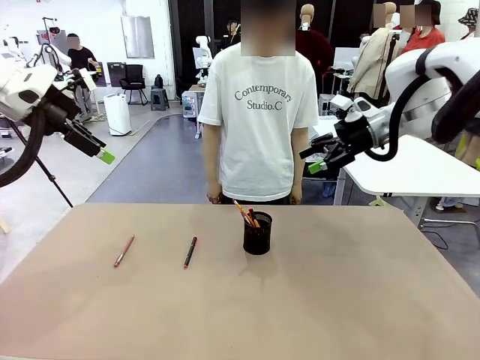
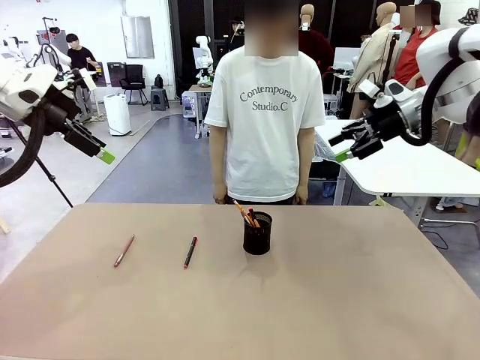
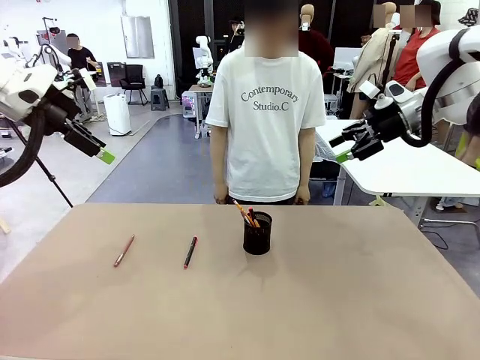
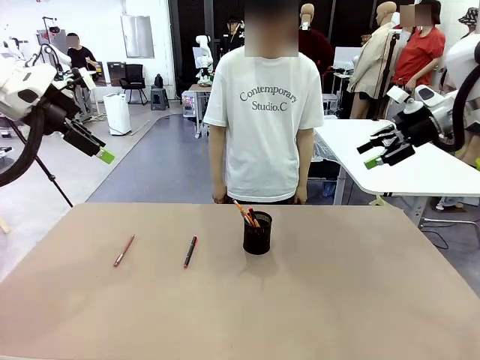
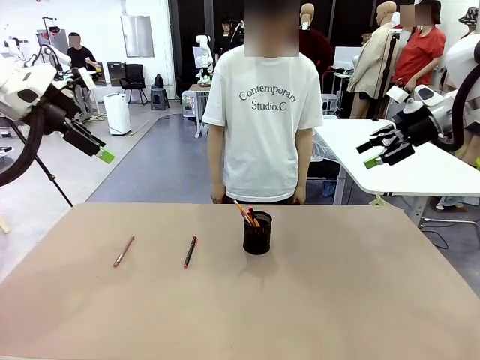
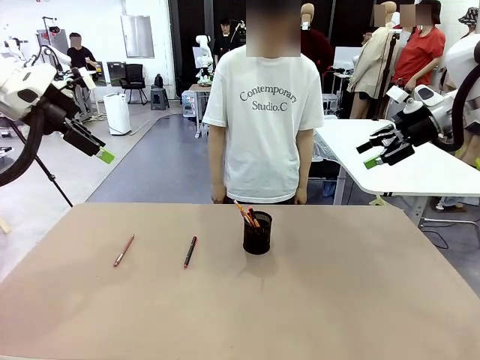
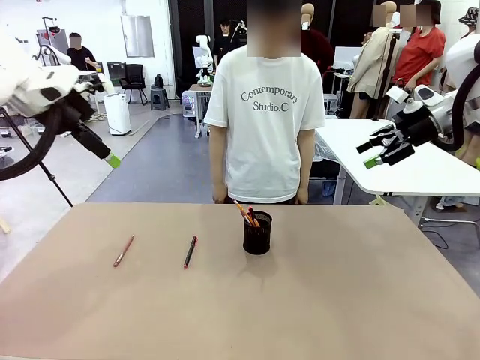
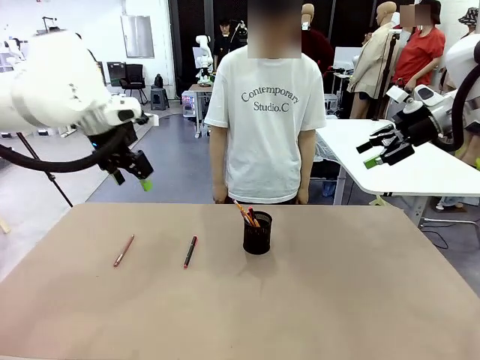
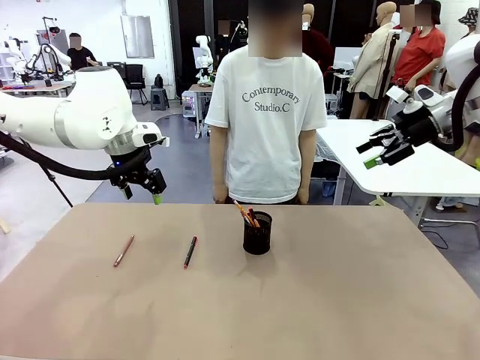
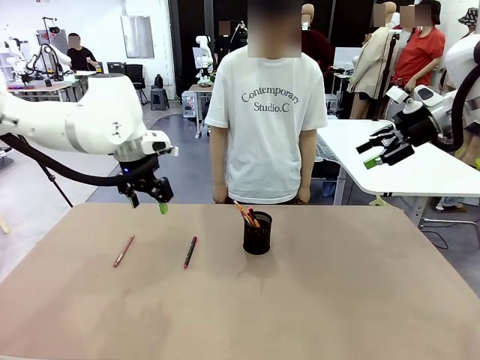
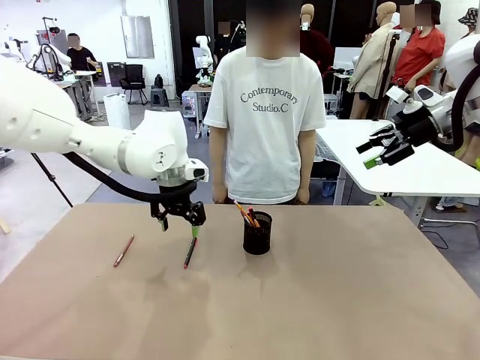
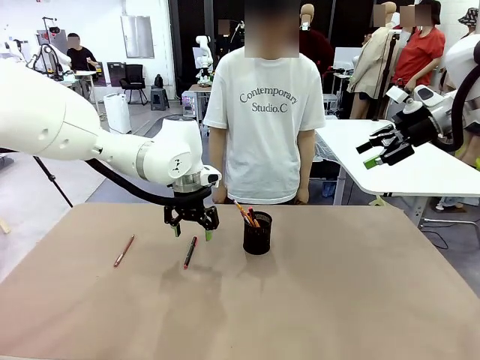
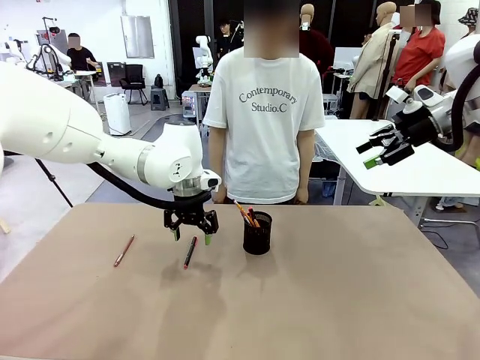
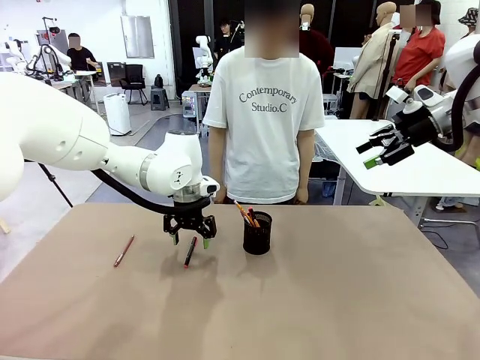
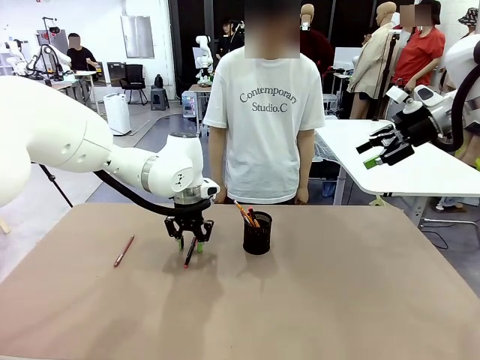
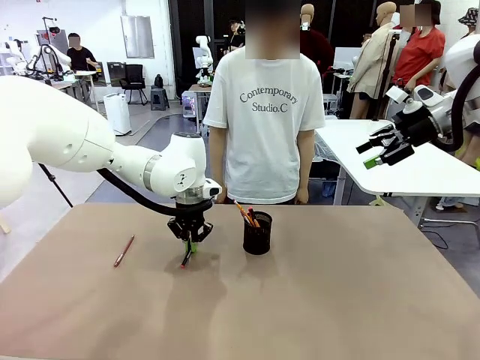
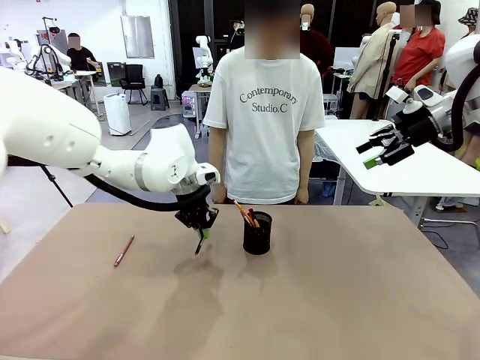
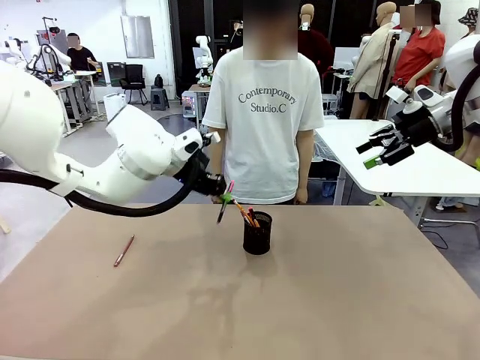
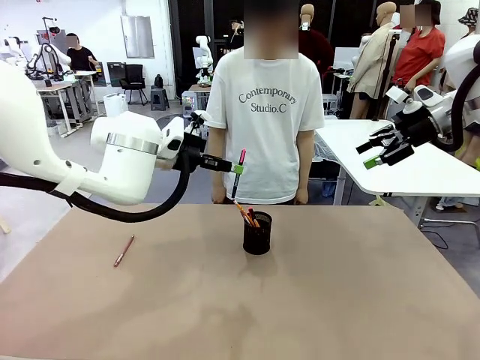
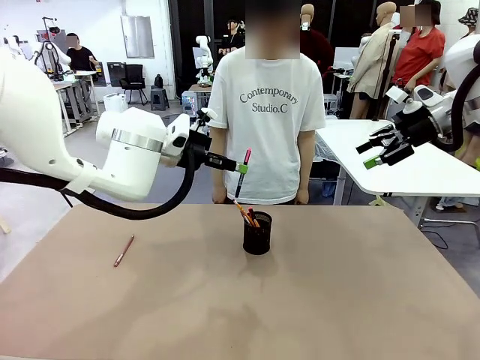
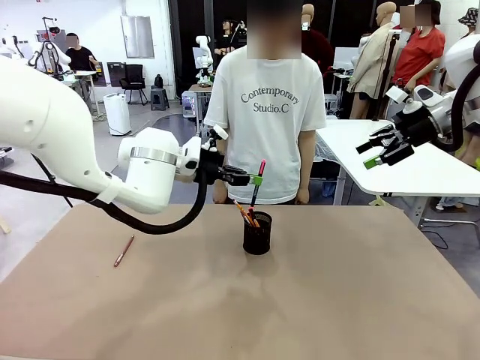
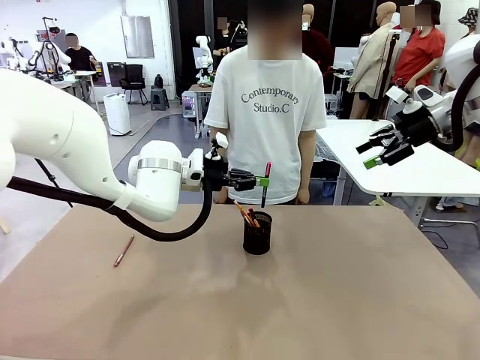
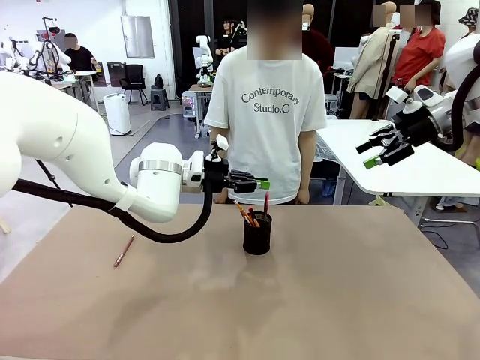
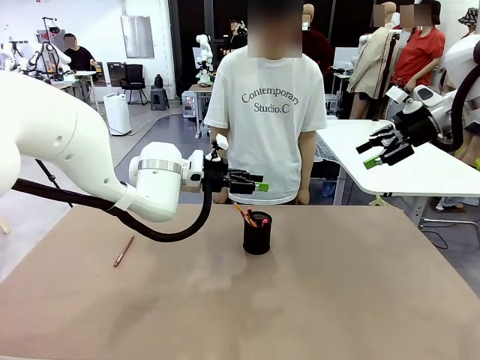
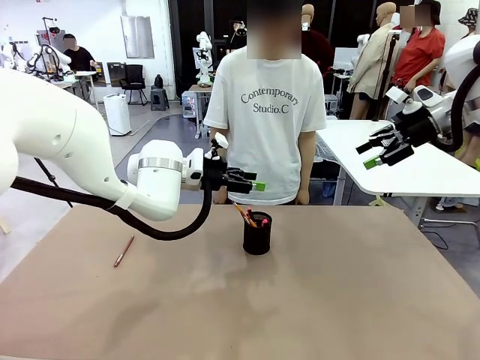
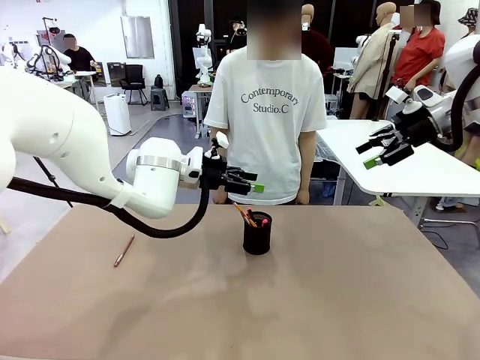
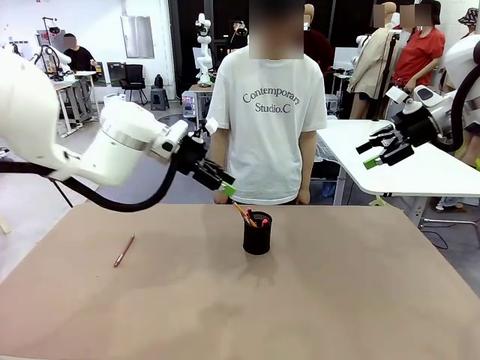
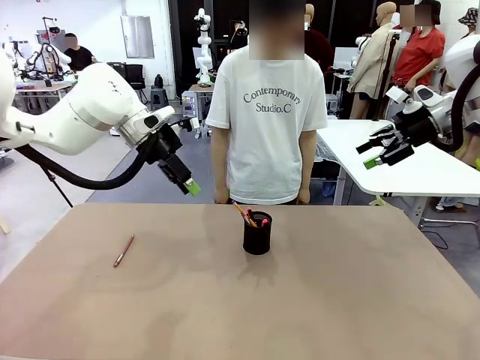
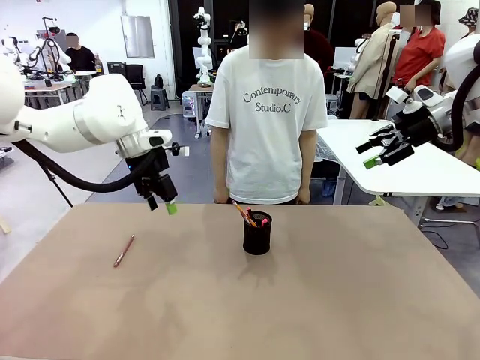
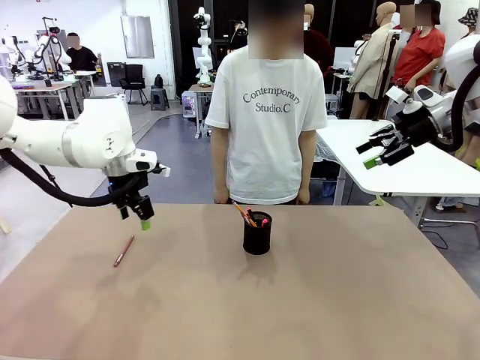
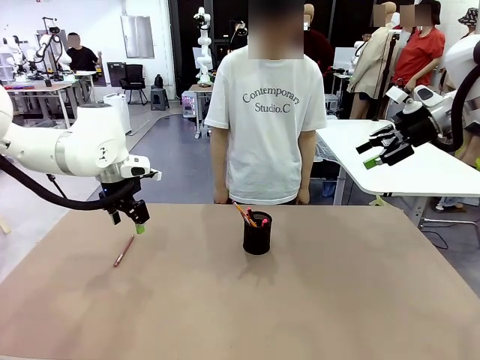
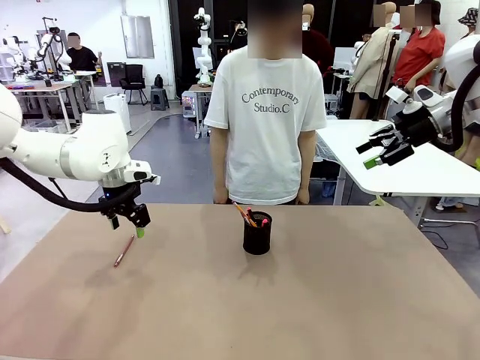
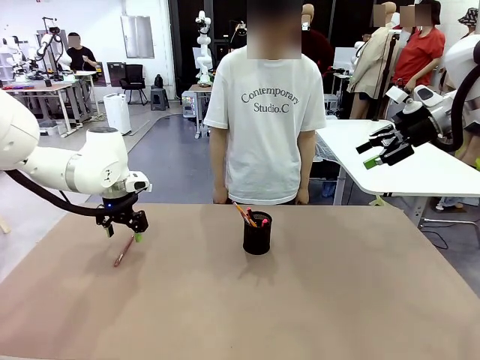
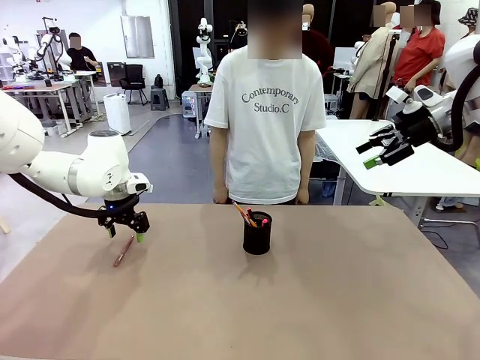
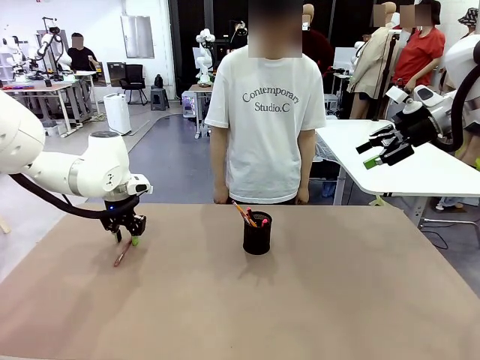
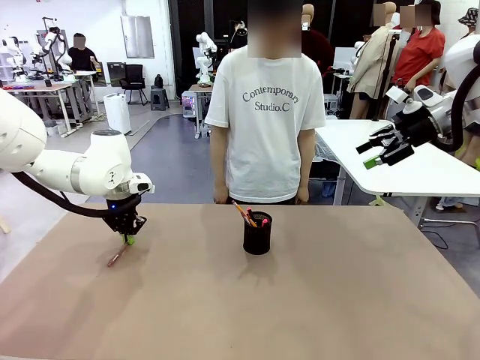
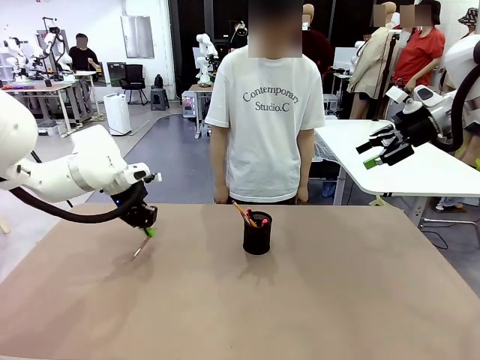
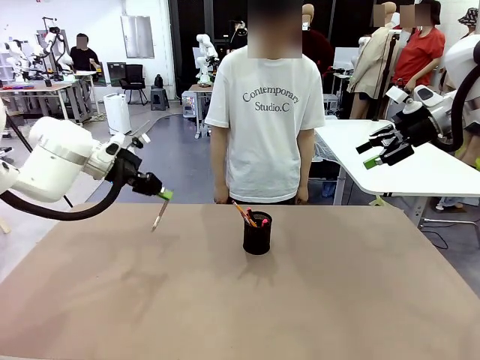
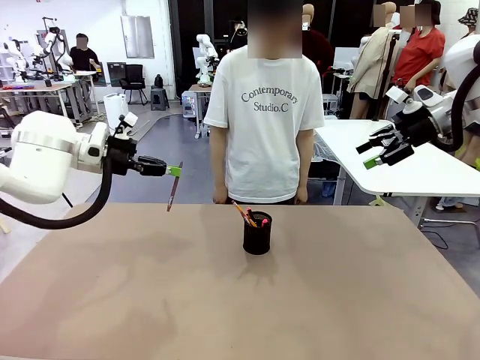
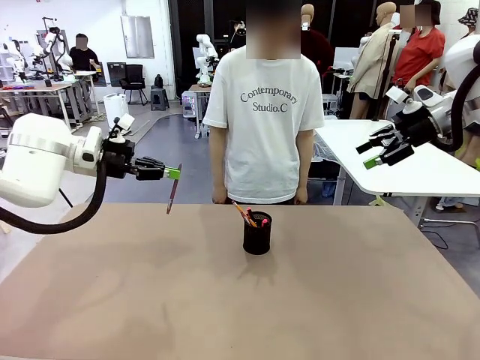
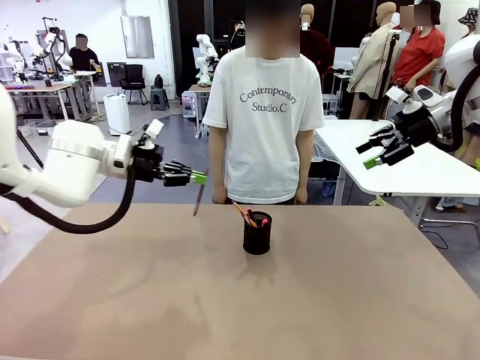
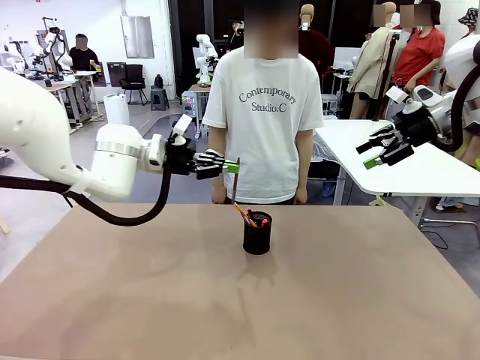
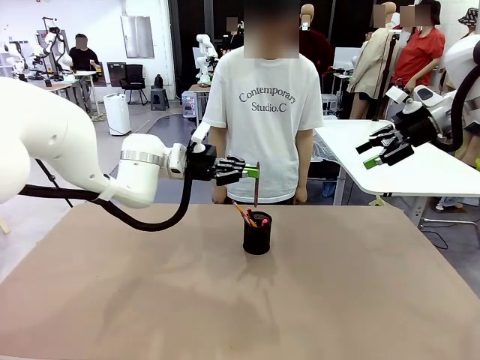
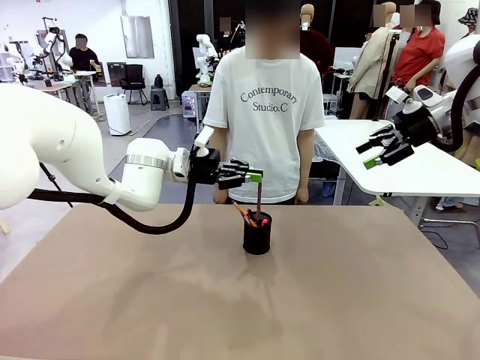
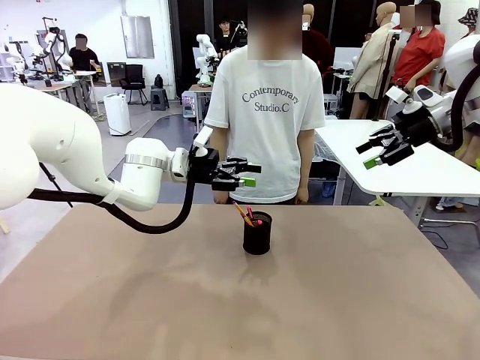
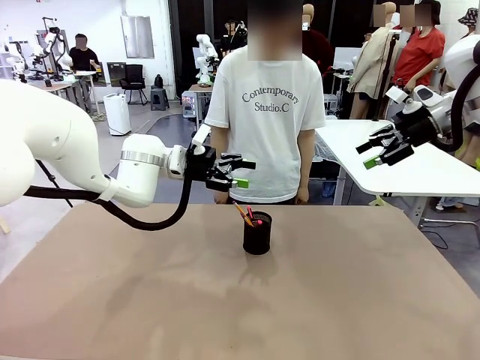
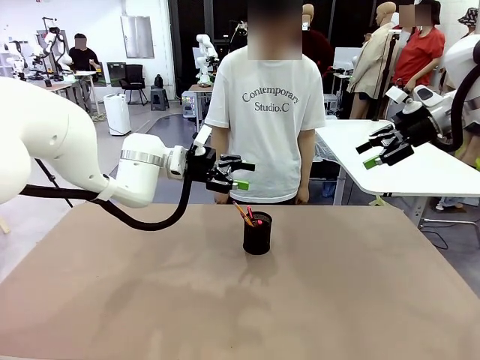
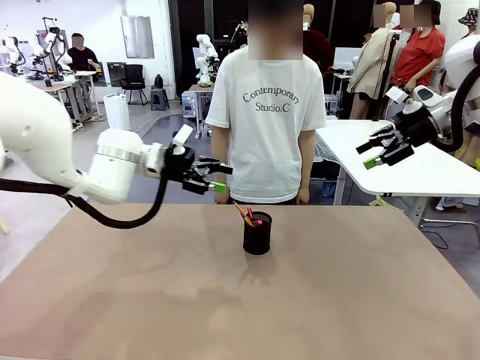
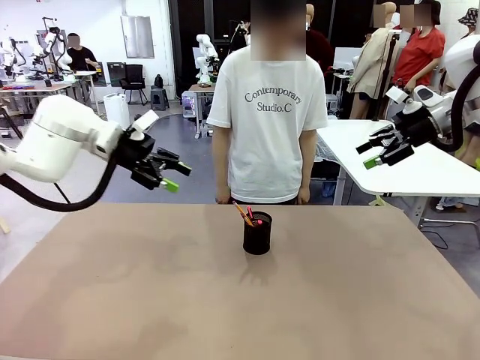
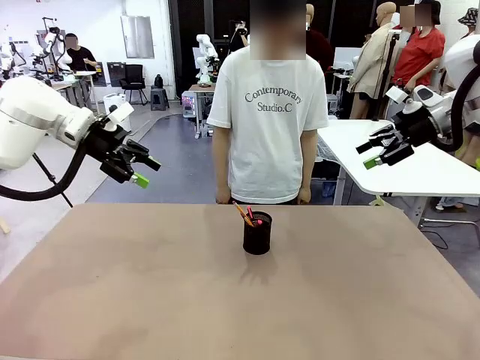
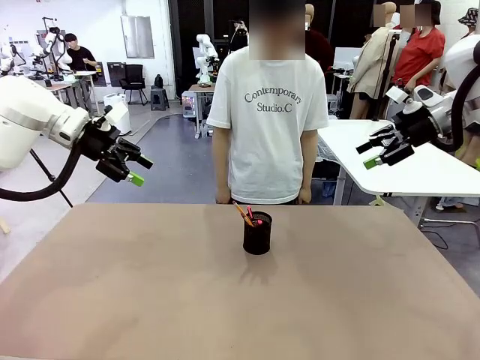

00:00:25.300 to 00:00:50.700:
Task: Place the pens into the pen holder.
Robot: Pick up a writing instrument from the table and place it into the Pen holder.
Person: Place all writing instrument into the Pen holder.
